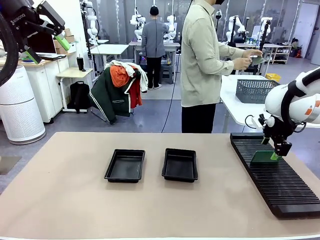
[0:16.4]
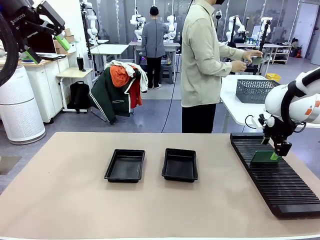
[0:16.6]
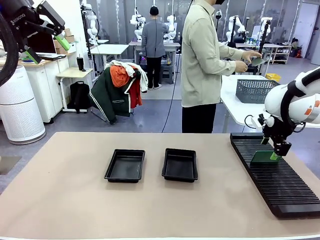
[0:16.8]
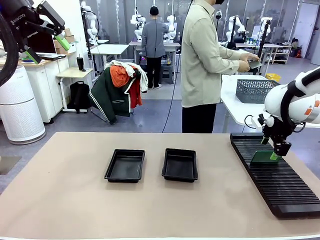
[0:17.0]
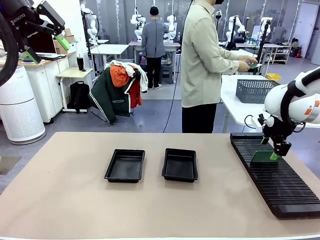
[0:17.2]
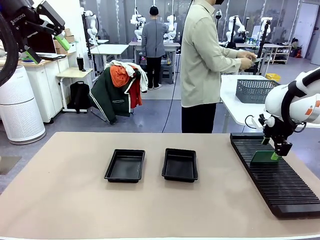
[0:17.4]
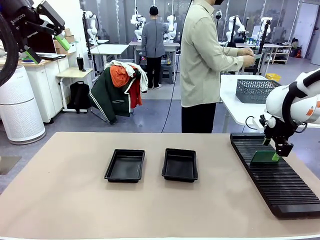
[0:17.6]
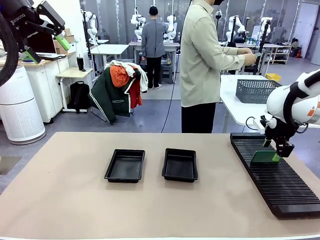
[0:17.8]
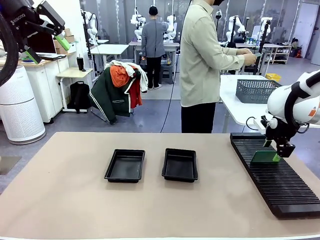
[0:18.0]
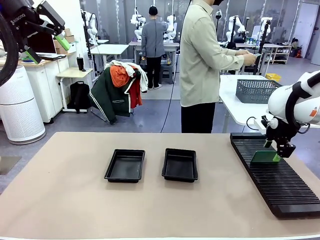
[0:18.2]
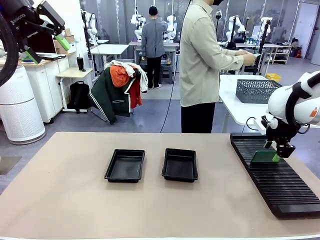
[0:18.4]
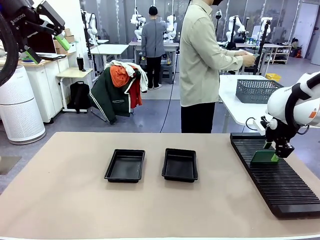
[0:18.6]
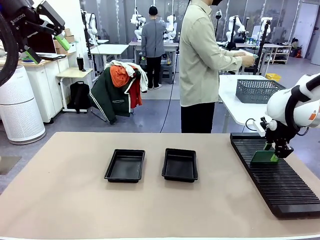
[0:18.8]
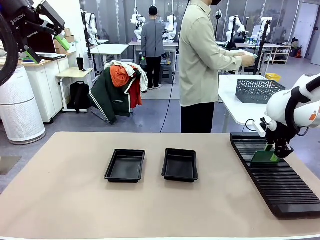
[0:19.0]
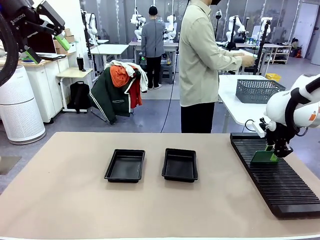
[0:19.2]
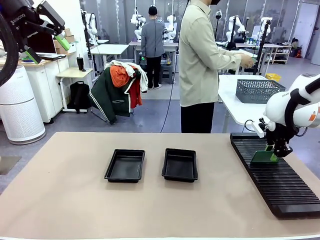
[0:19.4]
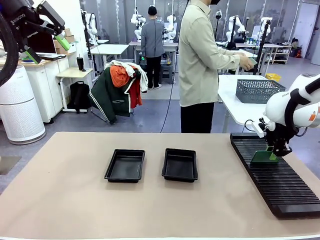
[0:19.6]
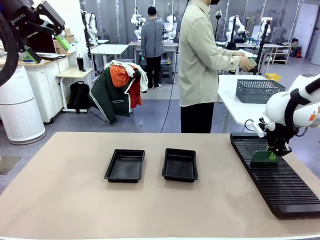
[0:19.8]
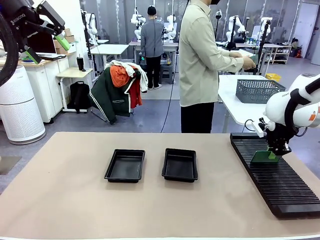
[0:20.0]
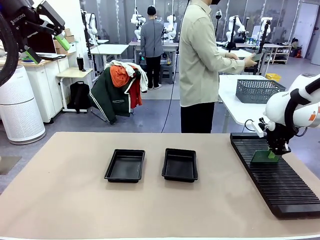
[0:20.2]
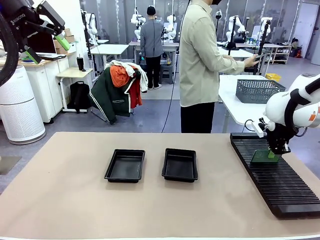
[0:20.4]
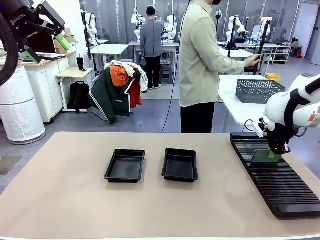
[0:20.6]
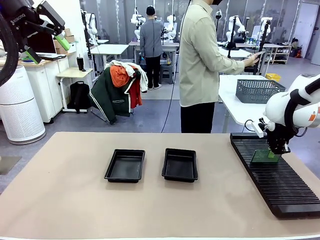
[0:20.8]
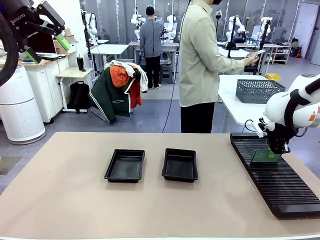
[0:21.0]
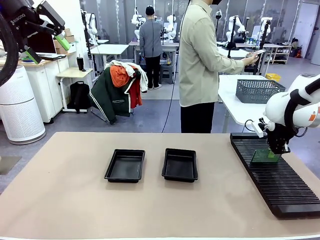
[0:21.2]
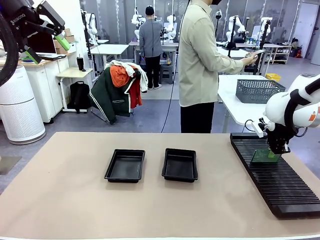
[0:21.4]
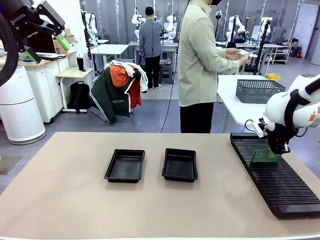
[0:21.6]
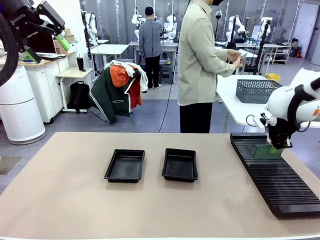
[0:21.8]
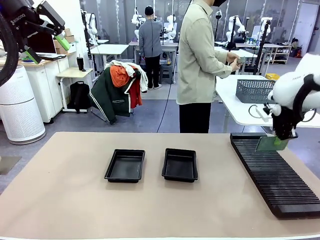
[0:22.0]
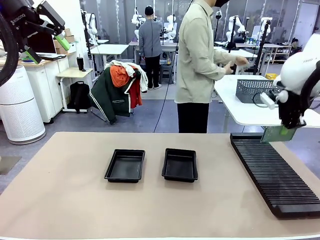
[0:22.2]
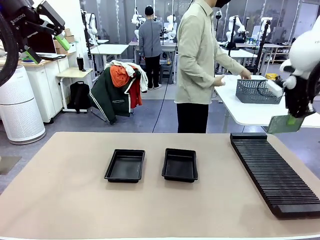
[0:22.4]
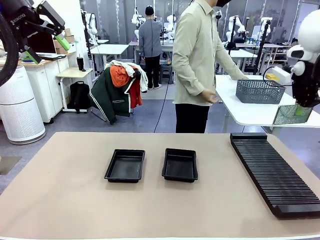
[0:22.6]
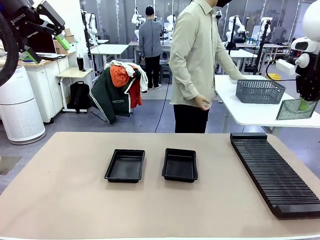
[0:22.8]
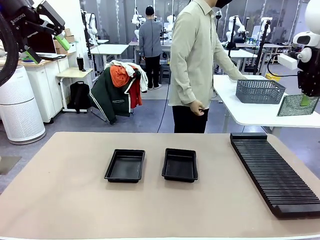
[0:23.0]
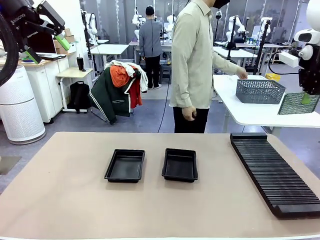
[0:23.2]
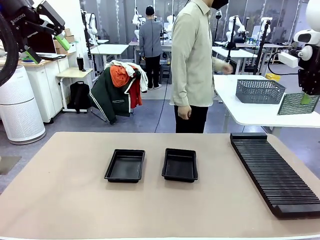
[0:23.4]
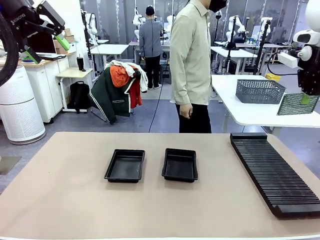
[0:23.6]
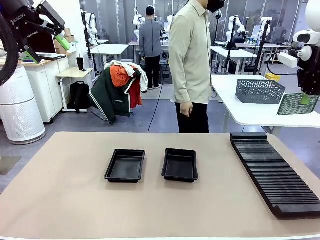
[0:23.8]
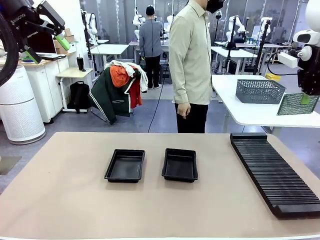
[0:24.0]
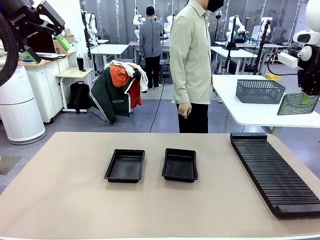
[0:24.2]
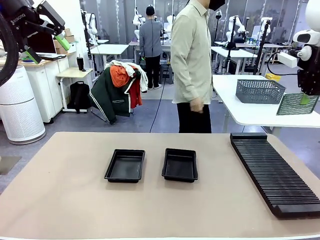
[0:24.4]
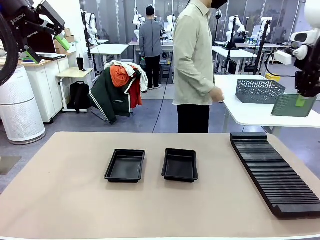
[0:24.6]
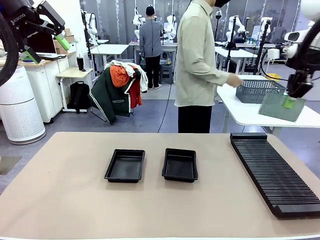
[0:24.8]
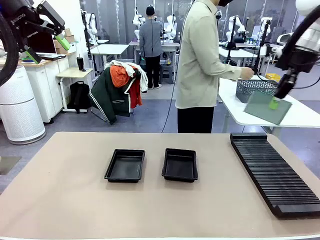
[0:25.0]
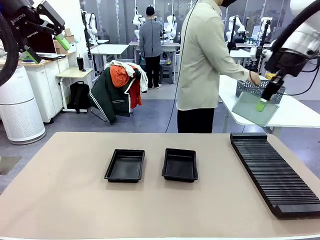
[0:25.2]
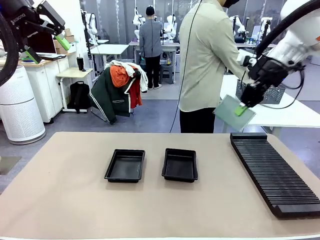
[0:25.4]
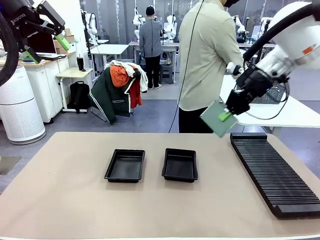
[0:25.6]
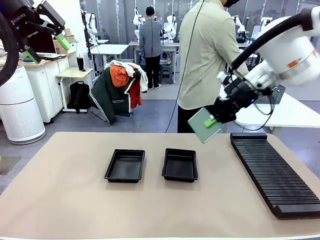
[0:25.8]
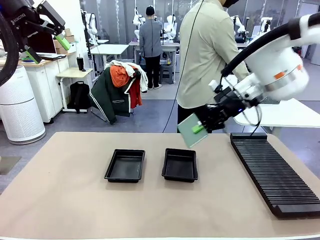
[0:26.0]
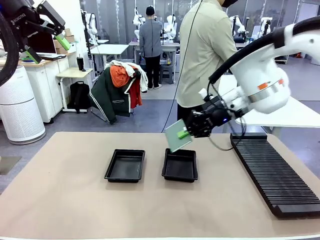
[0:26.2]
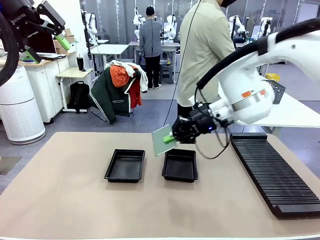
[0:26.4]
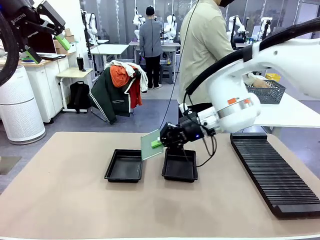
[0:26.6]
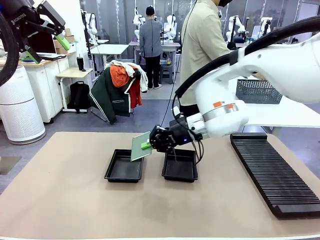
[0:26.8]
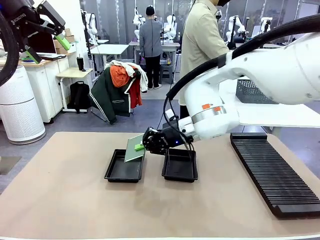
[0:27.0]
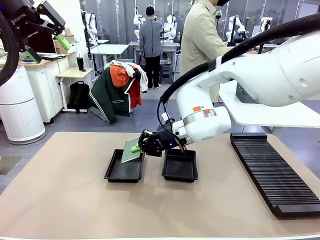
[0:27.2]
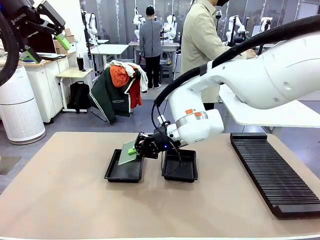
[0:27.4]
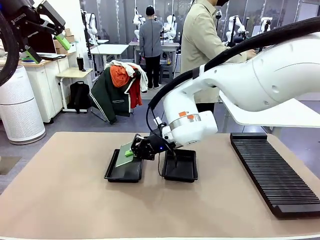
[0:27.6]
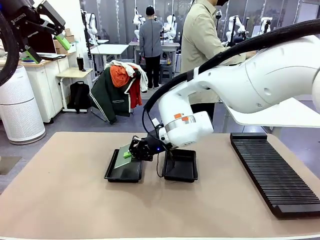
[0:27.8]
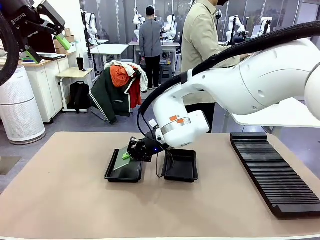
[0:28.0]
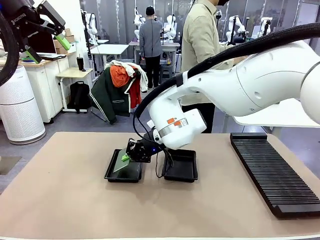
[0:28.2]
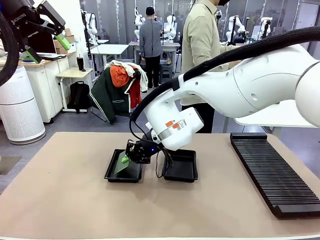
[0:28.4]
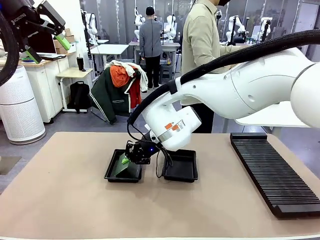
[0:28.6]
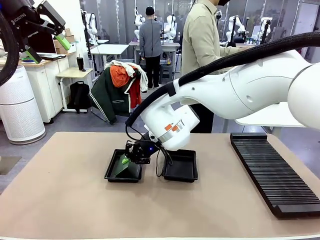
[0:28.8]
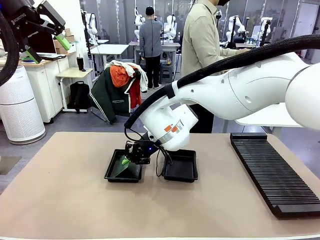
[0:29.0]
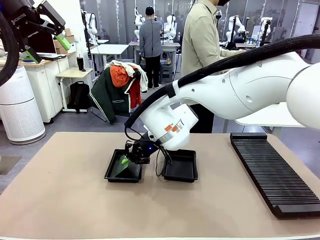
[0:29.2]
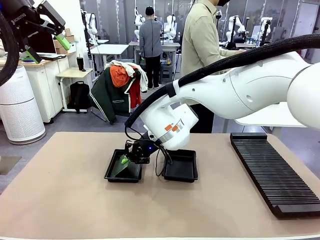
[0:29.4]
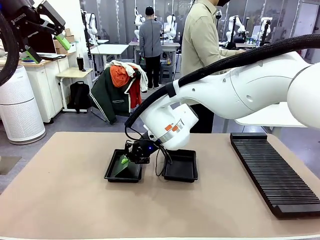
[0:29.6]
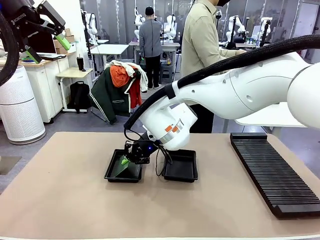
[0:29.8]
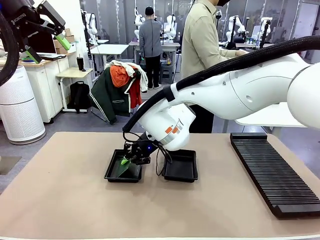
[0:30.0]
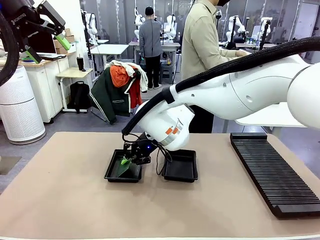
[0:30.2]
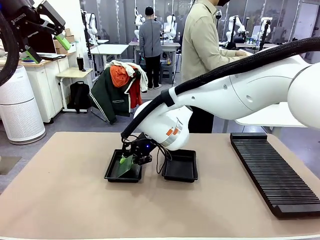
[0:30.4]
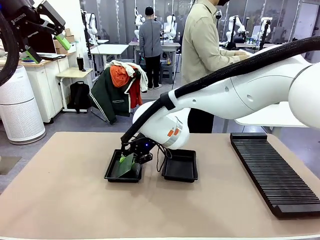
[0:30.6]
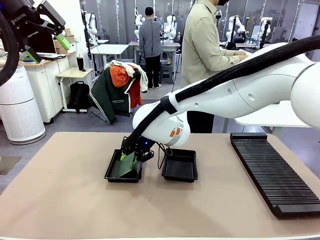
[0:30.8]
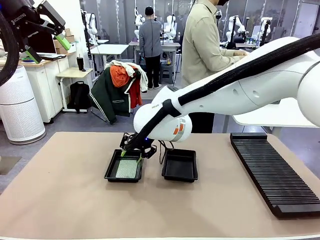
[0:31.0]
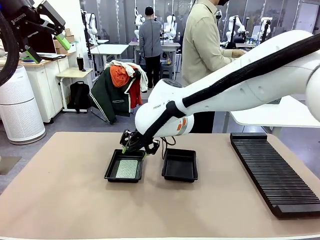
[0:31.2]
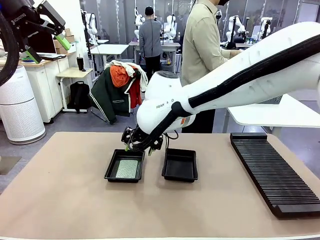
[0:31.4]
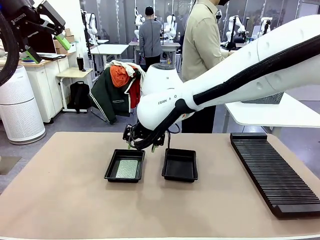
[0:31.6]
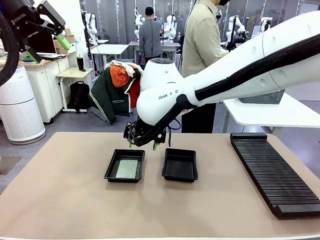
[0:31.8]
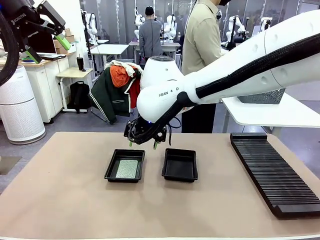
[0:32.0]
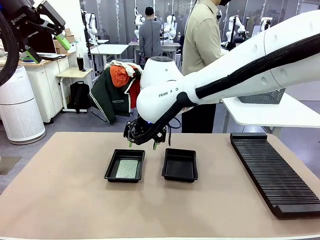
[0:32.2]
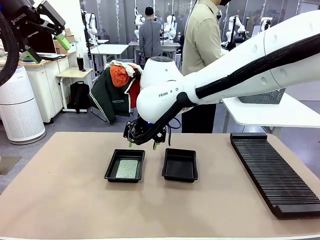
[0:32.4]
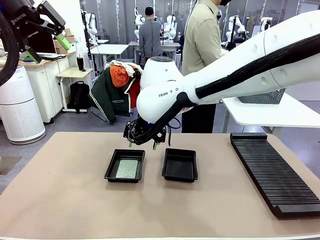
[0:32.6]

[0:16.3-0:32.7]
Task: Inspect and transfer BCBs to ESD trays.
Robot: Pick up the Blank PCB from the PCB Rack and place it in the left ESD tray.
